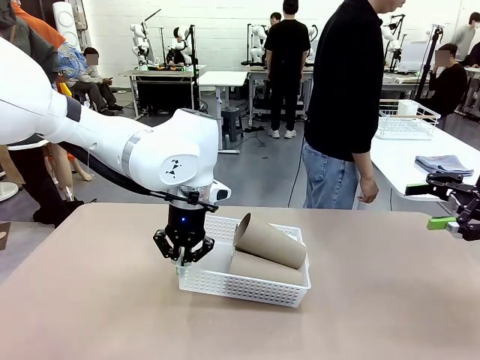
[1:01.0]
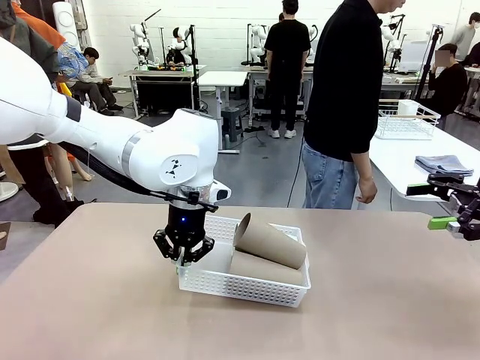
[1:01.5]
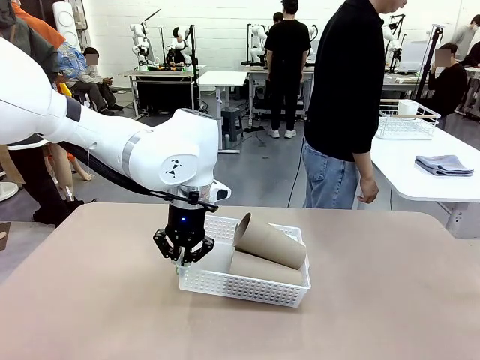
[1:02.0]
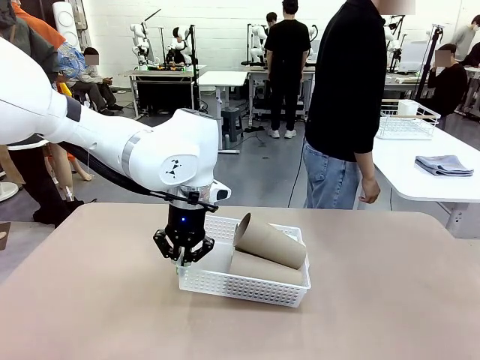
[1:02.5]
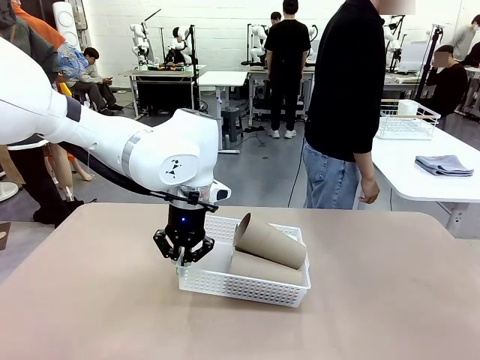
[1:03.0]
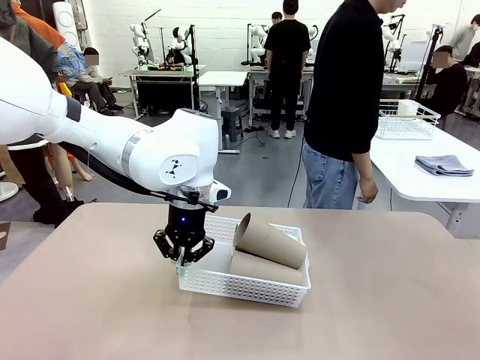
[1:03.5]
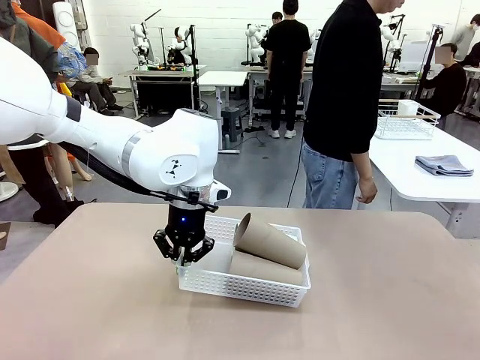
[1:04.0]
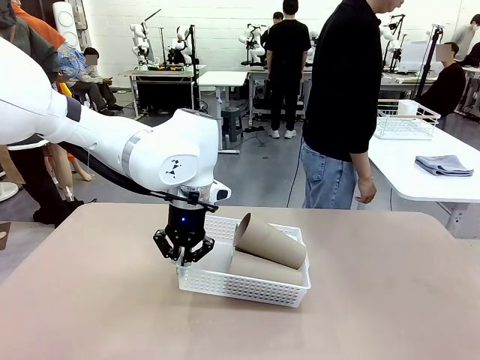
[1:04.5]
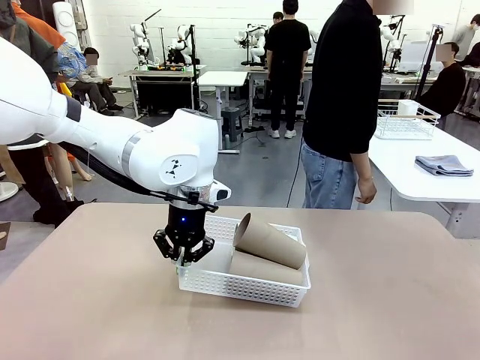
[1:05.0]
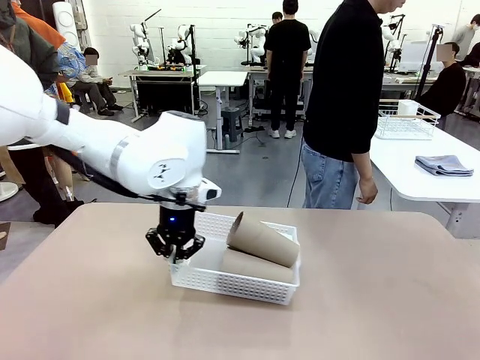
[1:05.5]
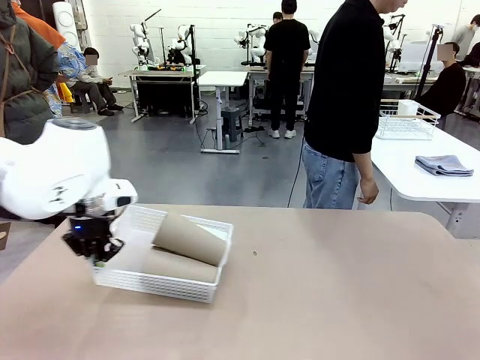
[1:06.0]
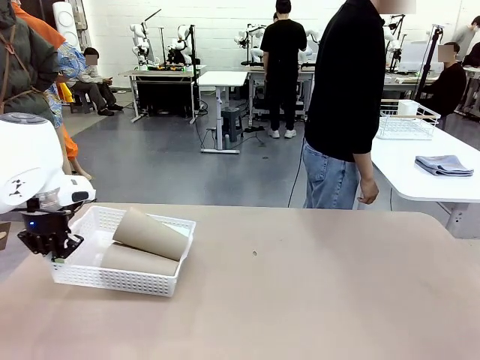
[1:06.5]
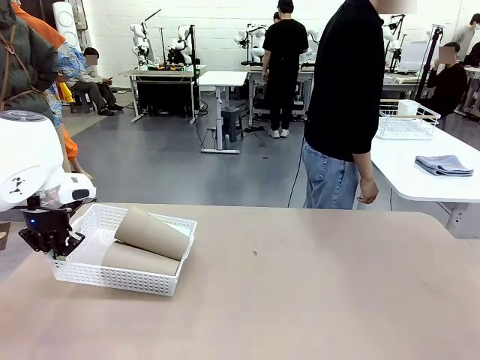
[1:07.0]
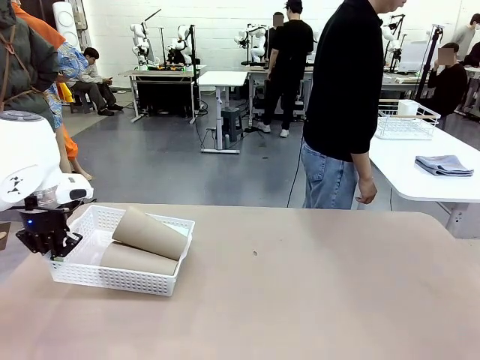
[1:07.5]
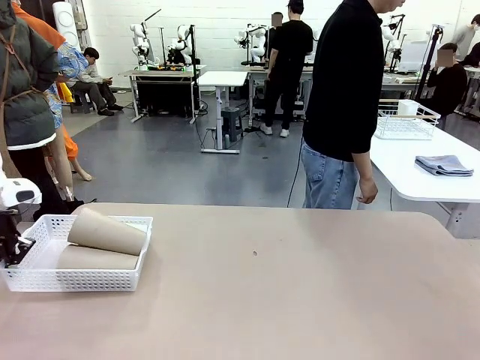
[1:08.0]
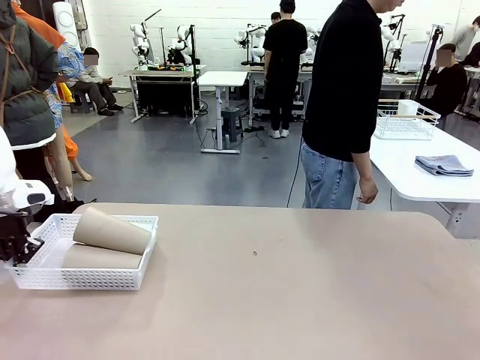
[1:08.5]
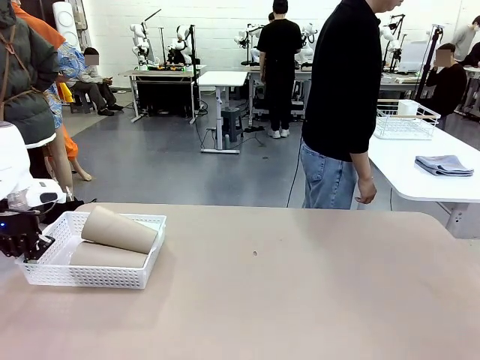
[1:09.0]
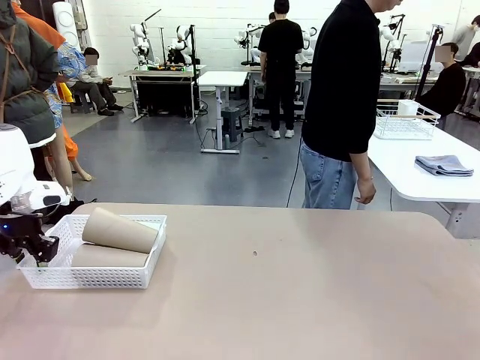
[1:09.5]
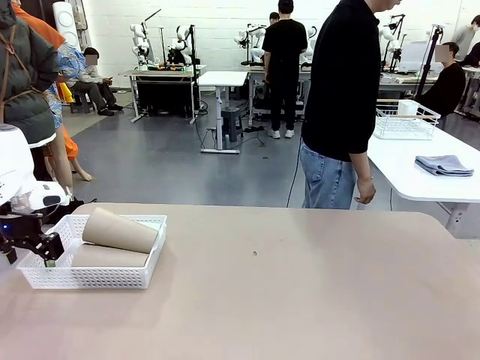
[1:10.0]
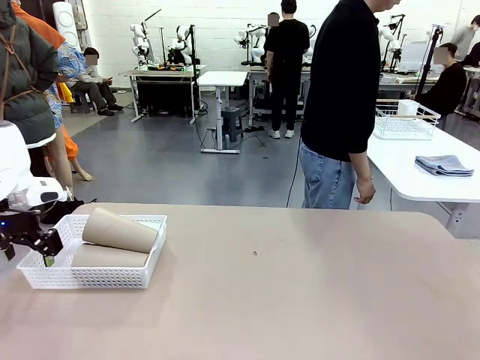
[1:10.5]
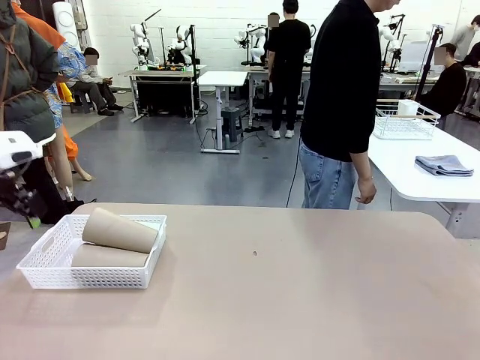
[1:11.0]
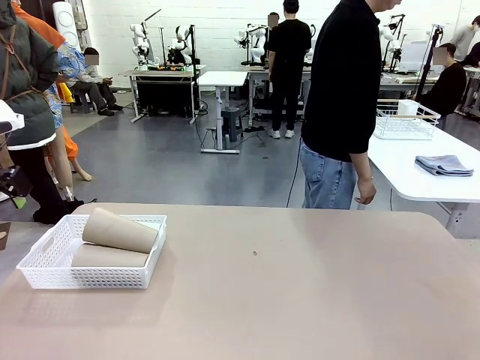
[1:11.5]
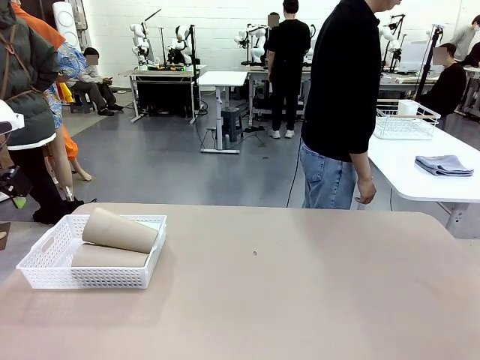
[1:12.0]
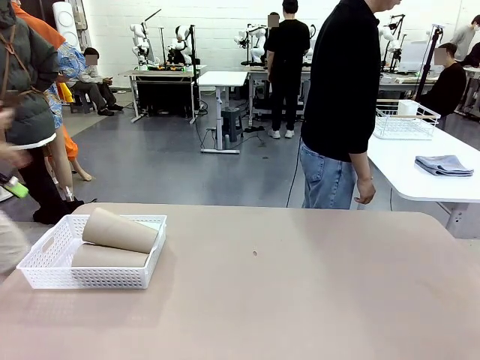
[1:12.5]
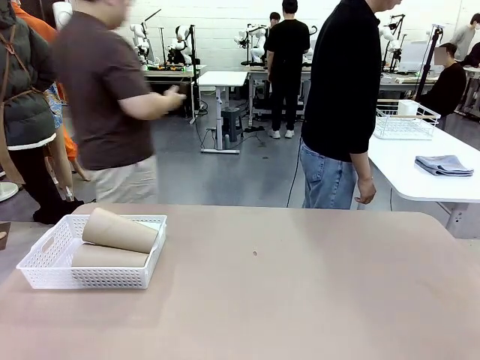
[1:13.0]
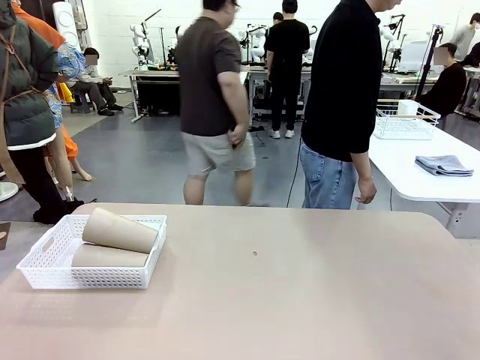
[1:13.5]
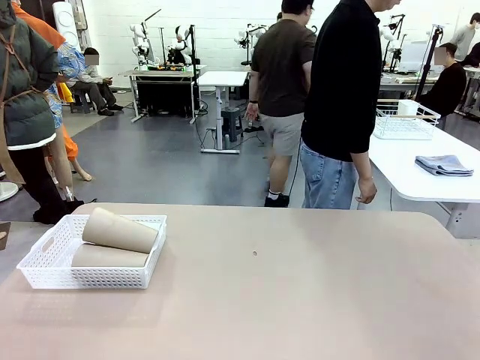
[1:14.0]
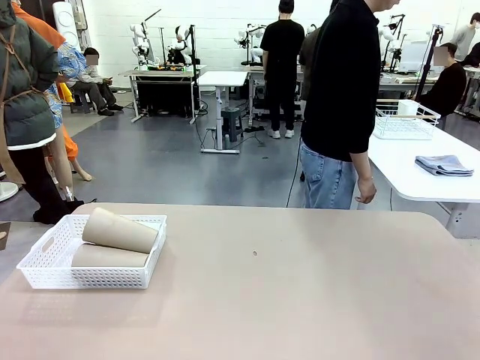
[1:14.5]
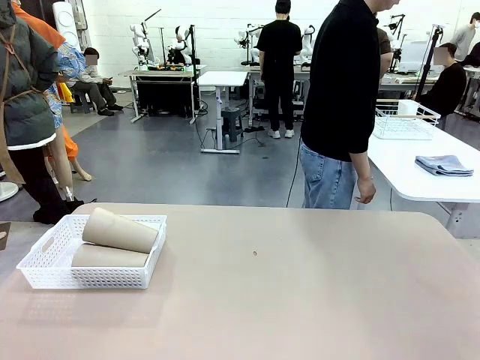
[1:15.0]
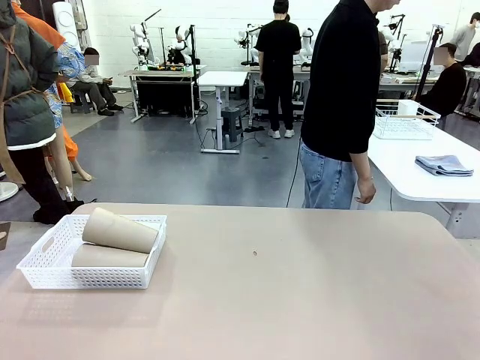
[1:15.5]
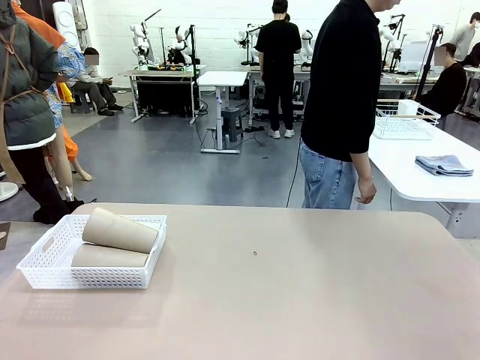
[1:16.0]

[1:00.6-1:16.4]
Task: Clean and organize the cups into the basket.
Robot: Move the Organizing basket back to the left side of the table.
Person: Folds the towel in half twice and places it in the right of the table.
